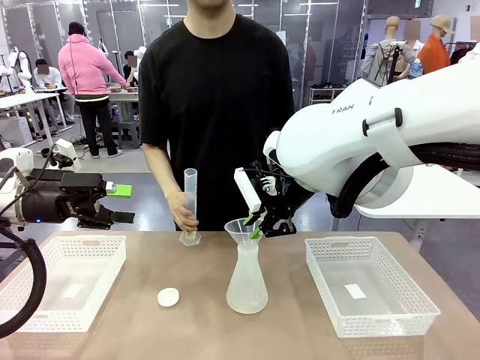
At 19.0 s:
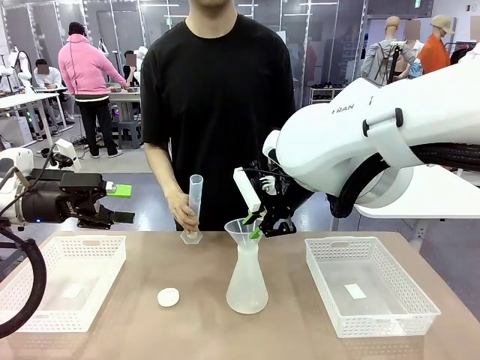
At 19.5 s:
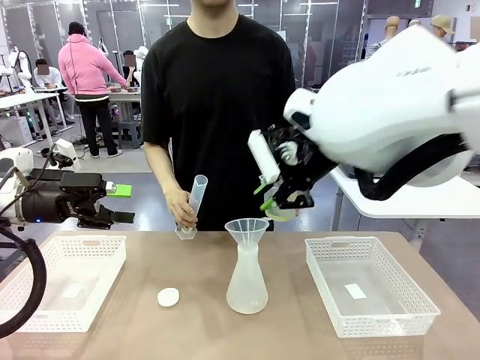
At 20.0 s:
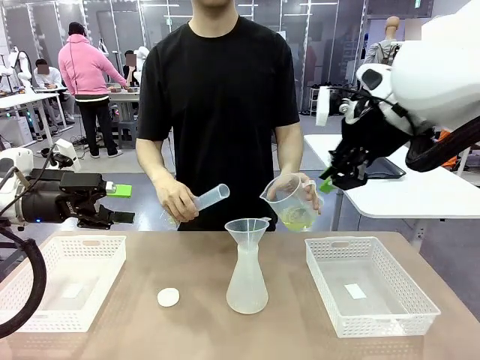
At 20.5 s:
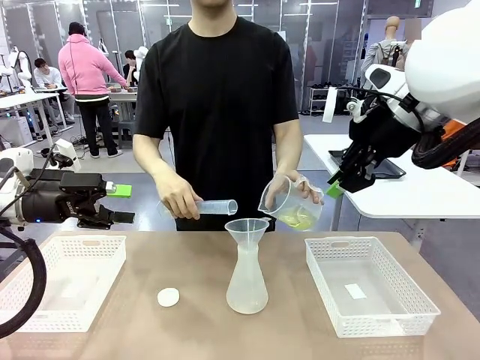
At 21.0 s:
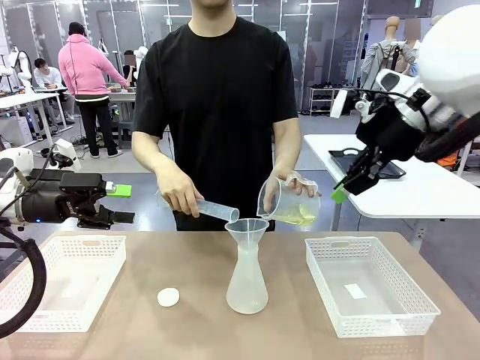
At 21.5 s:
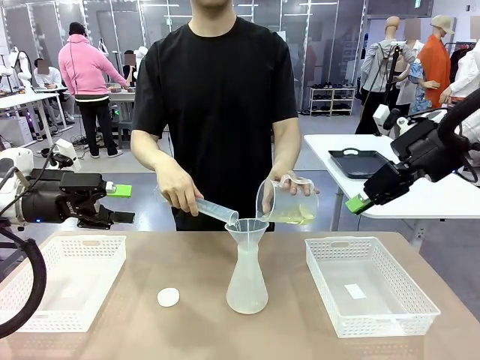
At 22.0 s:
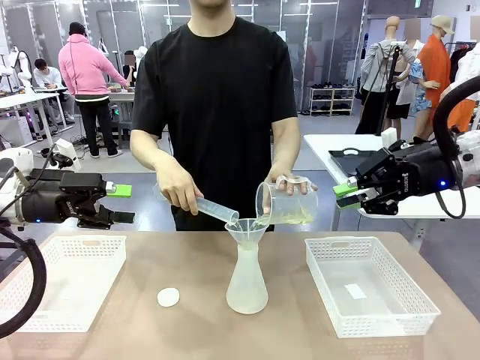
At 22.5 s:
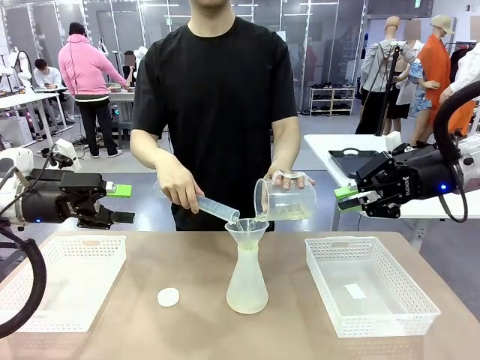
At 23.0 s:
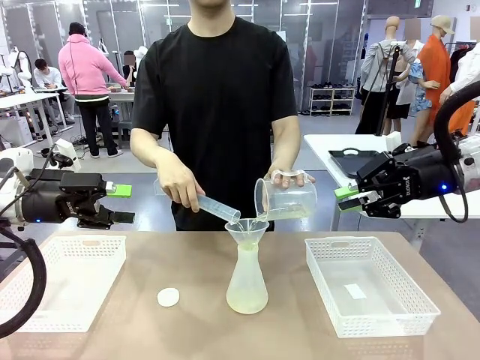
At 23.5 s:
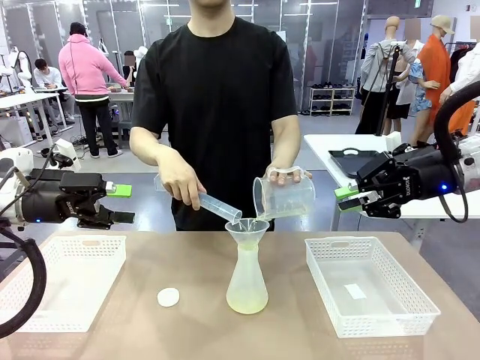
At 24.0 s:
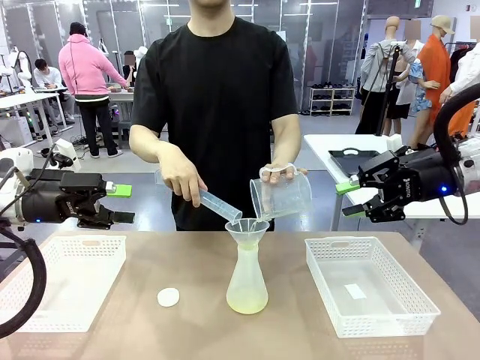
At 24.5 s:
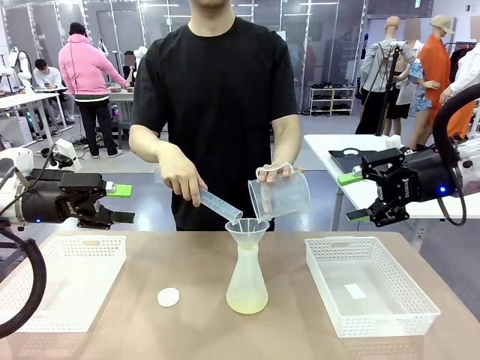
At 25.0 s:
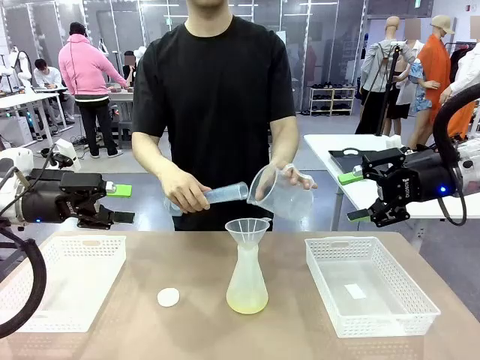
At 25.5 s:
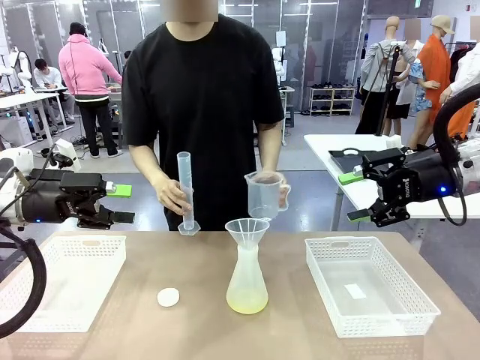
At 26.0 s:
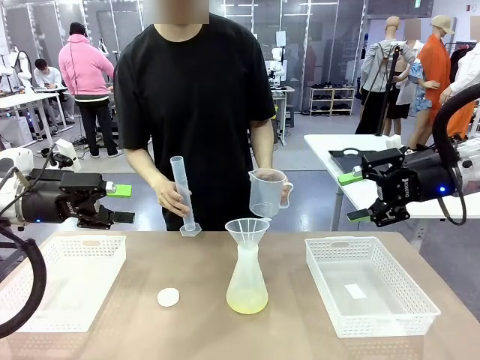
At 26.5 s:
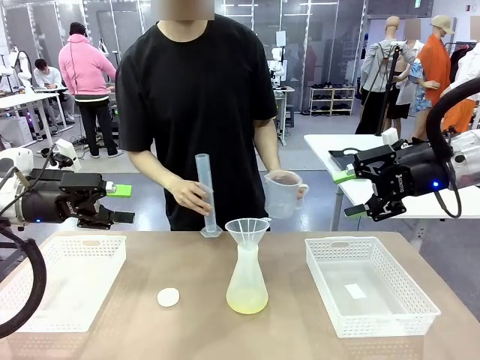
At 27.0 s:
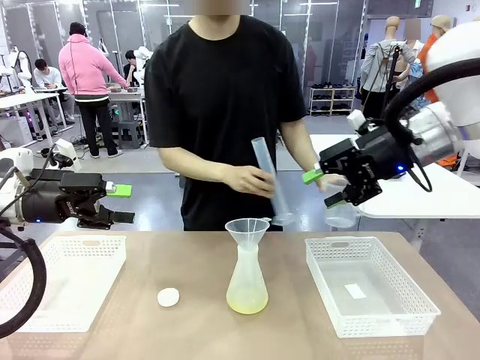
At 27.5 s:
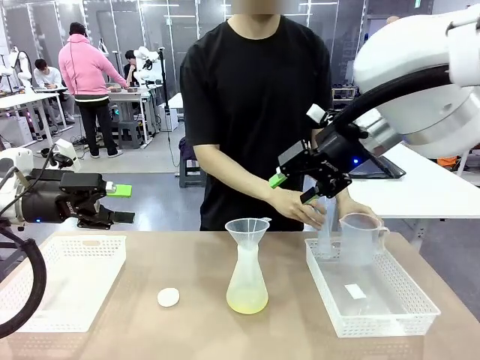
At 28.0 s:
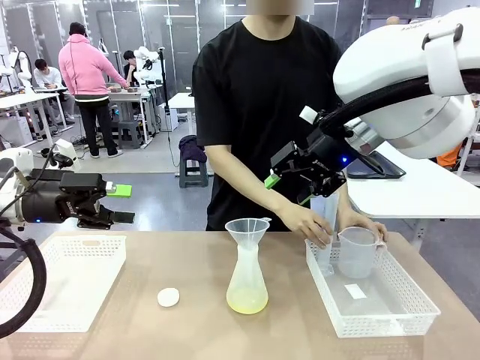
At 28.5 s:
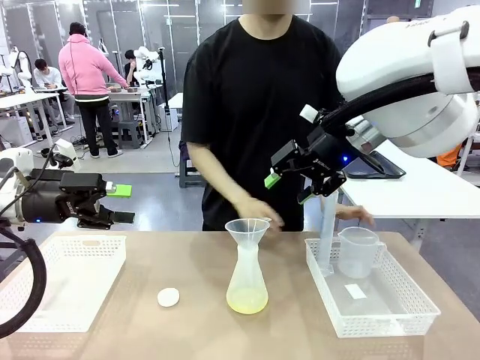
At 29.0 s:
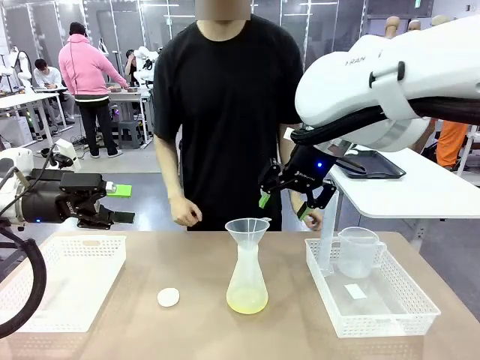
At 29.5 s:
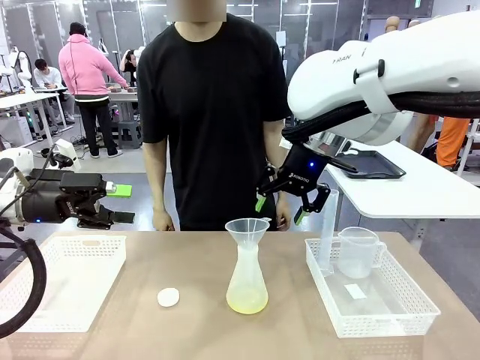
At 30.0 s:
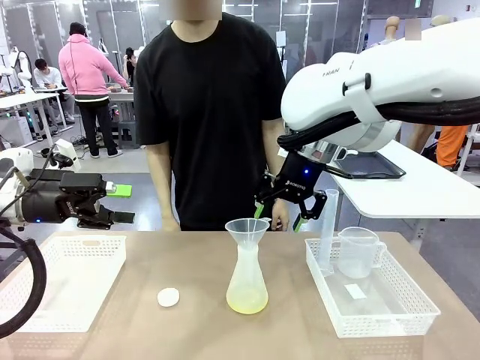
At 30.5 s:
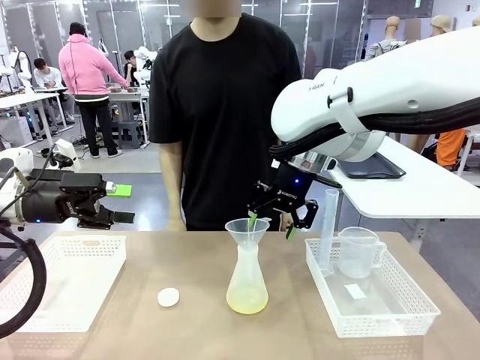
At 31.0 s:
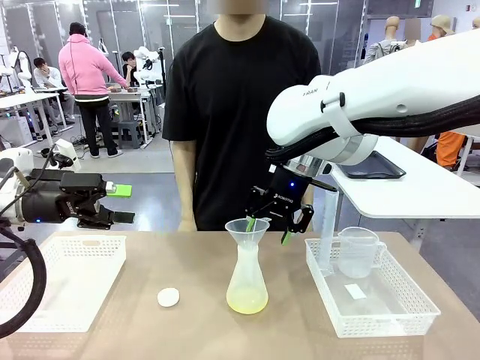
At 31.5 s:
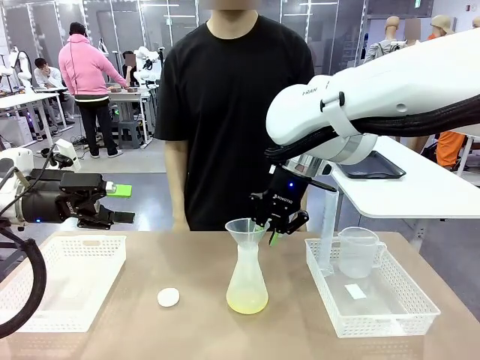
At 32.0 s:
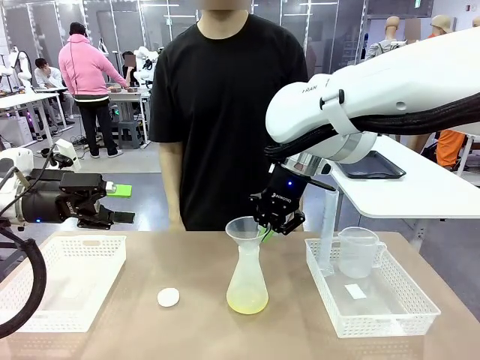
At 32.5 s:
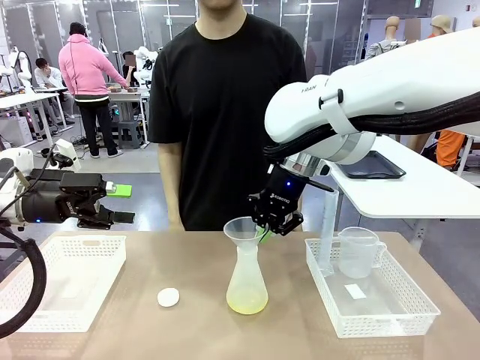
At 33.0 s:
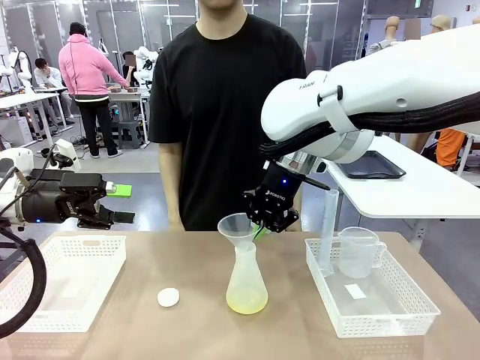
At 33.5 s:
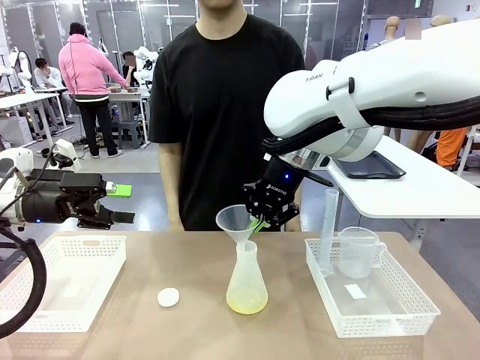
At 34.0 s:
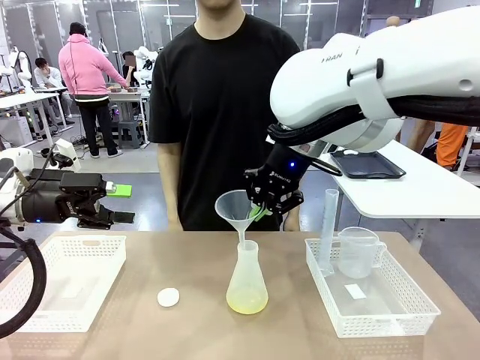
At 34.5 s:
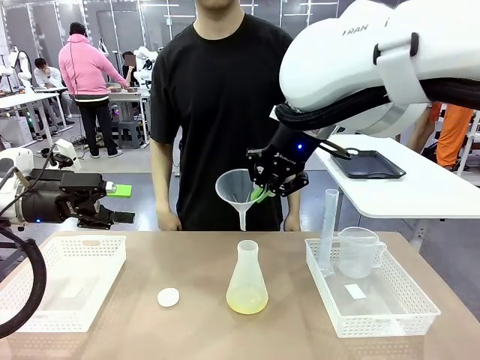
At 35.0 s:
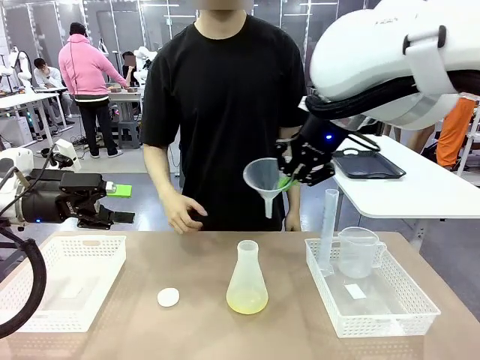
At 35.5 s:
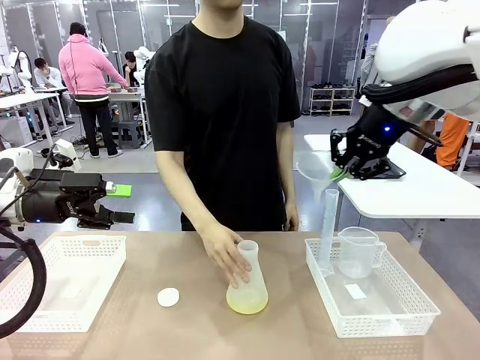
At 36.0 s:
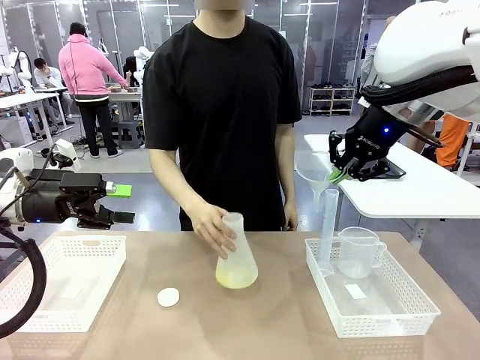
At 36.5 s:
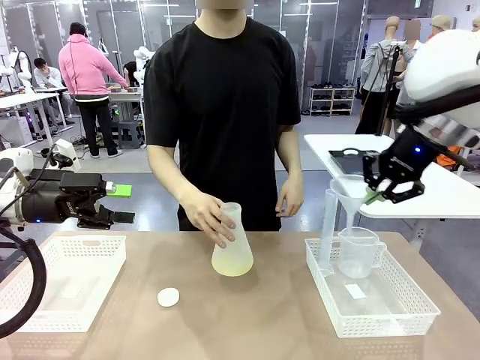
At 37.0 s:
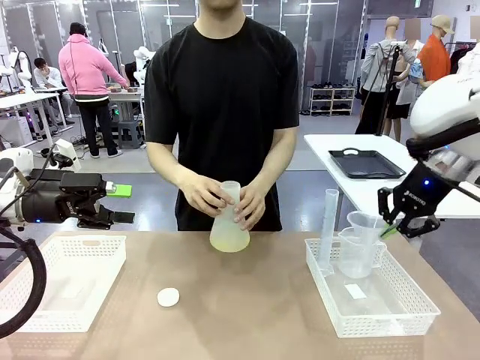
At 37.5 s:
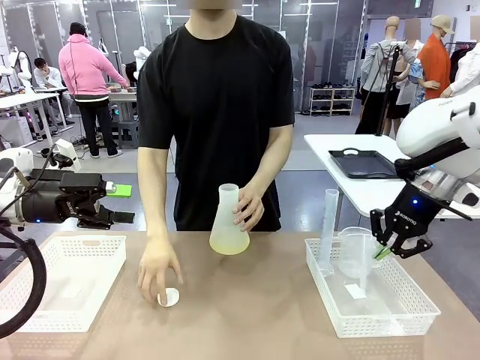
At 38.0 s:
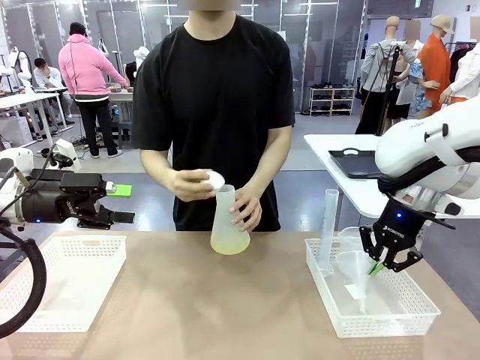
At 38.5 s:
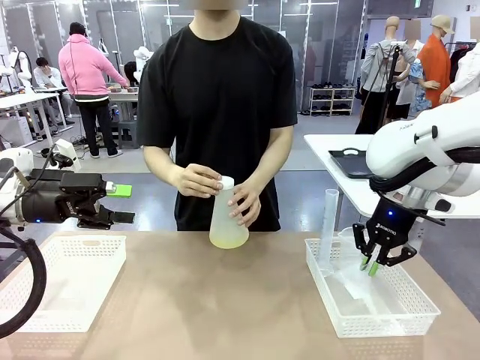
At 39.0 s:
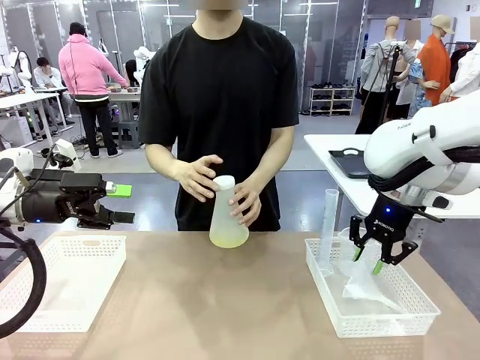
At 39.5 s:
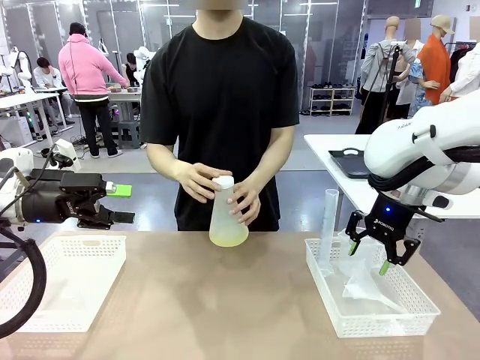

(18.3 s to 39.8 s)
Task: Prepare the solutions needed for the experiment.
Robot: Once the solution is in the Big flask , pick up the Plastic Funnel and place it back into the right Organizing basket.
Person: Place the beaker and the cylinder into the organizing basket on the left side. Pick up the flask, gently shake it 2–3 times, place it in the middle of the robot table, and close the lid.
